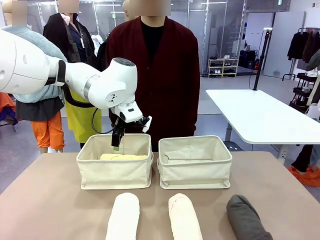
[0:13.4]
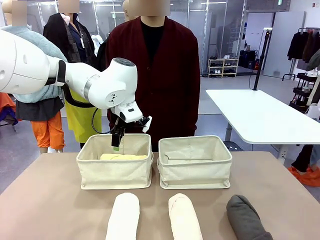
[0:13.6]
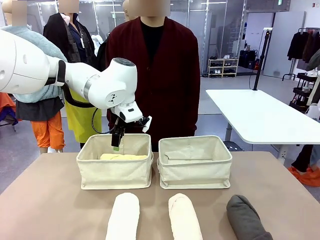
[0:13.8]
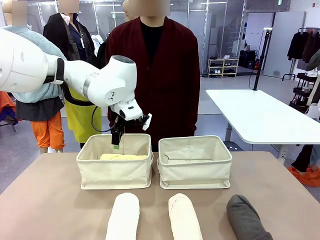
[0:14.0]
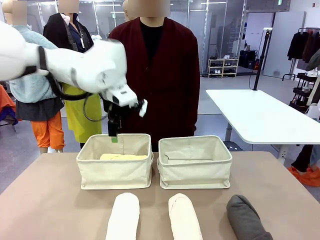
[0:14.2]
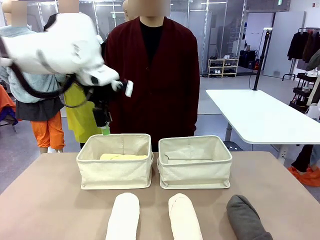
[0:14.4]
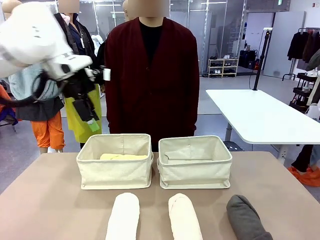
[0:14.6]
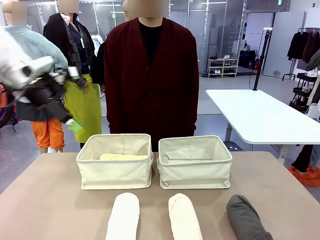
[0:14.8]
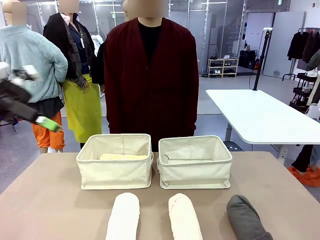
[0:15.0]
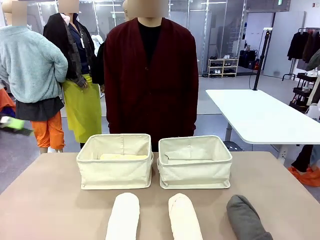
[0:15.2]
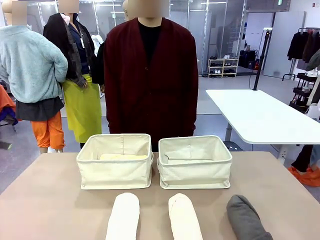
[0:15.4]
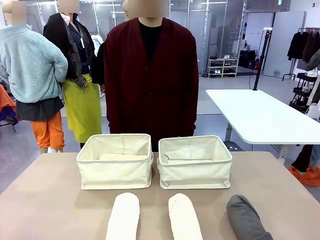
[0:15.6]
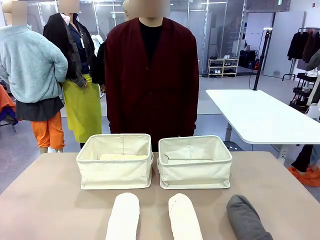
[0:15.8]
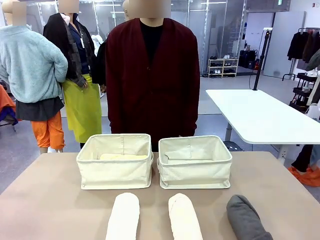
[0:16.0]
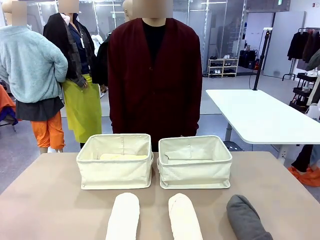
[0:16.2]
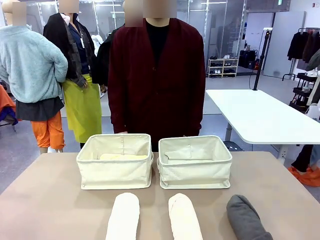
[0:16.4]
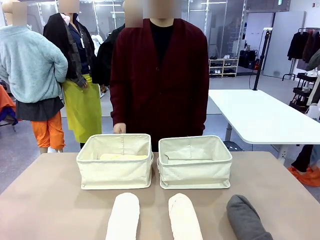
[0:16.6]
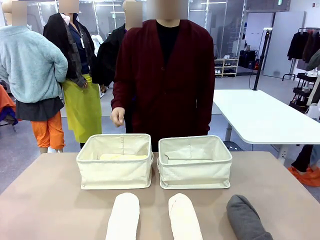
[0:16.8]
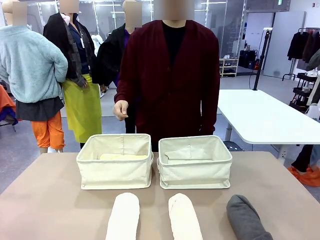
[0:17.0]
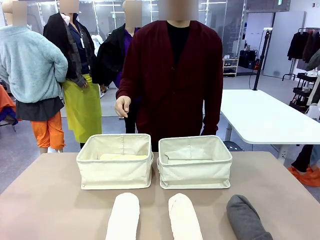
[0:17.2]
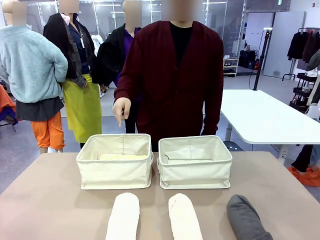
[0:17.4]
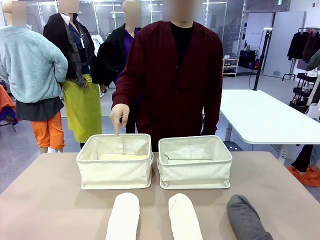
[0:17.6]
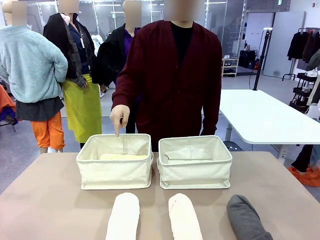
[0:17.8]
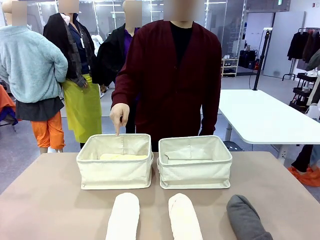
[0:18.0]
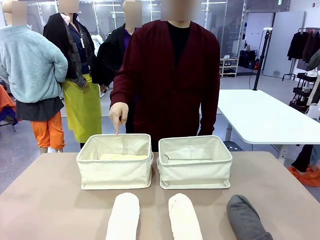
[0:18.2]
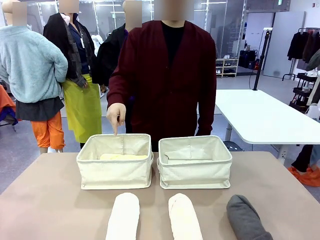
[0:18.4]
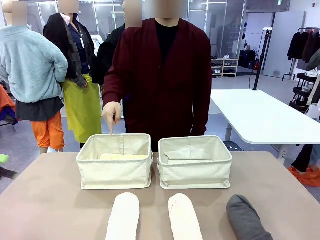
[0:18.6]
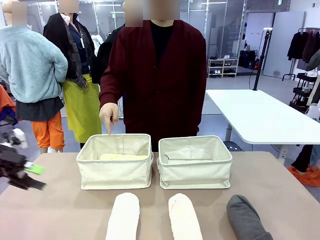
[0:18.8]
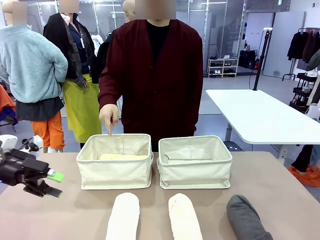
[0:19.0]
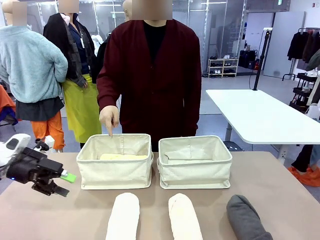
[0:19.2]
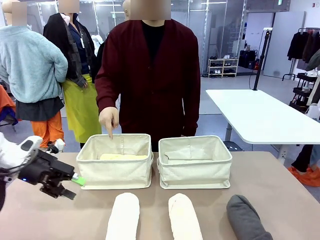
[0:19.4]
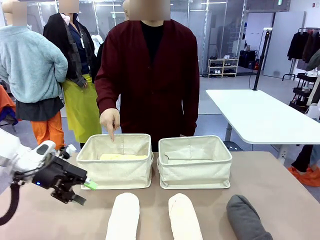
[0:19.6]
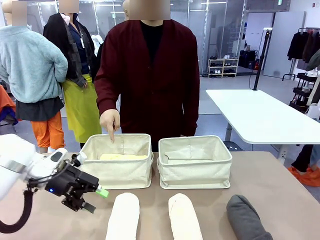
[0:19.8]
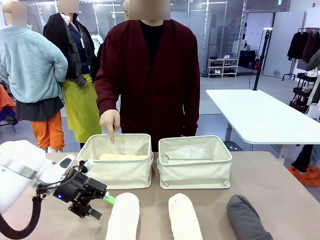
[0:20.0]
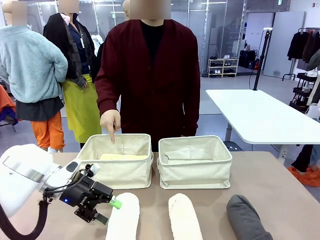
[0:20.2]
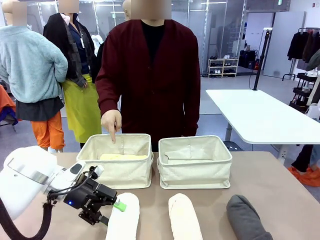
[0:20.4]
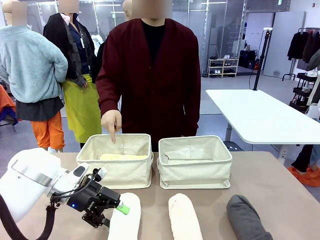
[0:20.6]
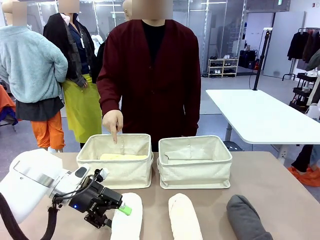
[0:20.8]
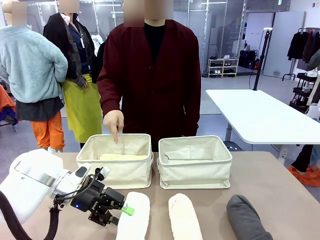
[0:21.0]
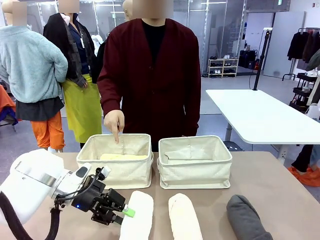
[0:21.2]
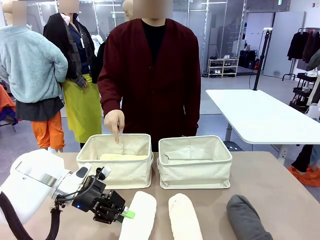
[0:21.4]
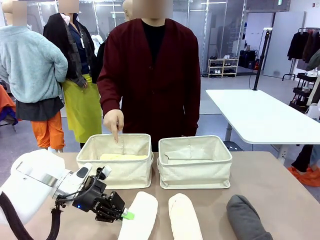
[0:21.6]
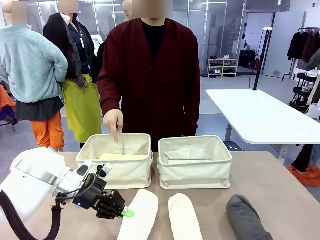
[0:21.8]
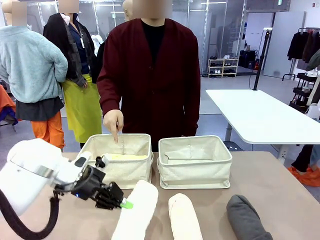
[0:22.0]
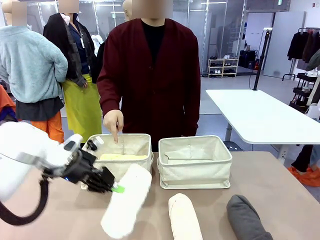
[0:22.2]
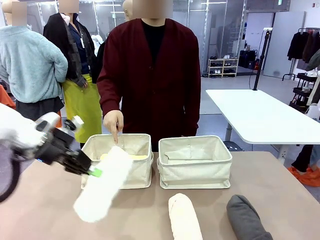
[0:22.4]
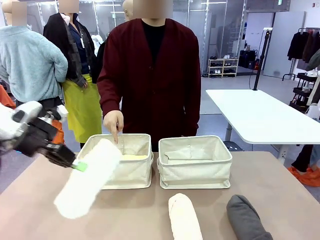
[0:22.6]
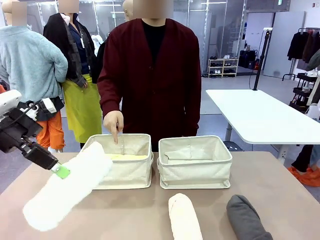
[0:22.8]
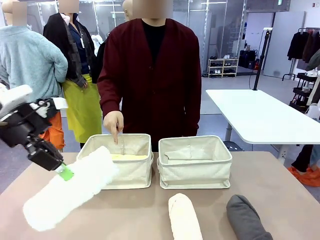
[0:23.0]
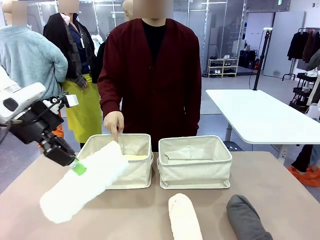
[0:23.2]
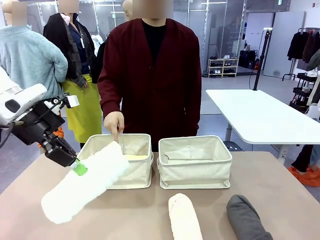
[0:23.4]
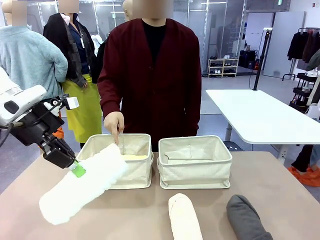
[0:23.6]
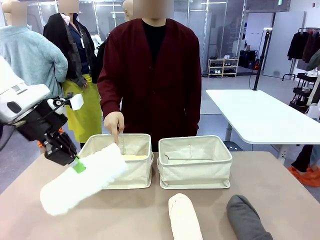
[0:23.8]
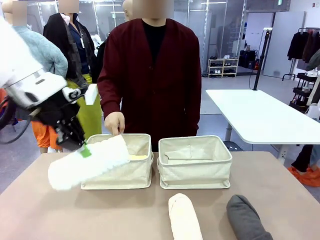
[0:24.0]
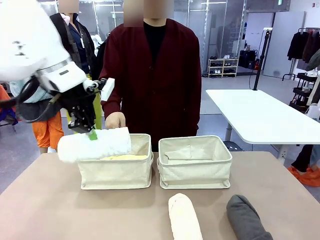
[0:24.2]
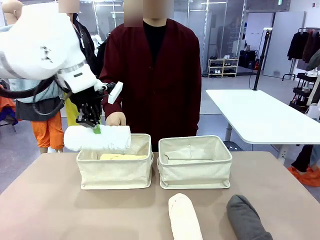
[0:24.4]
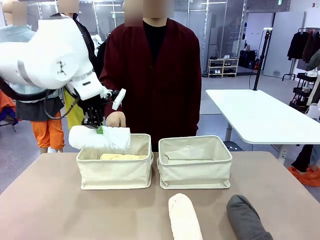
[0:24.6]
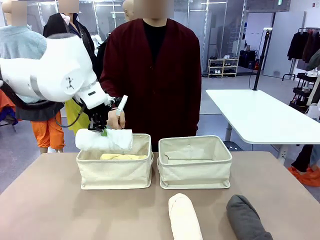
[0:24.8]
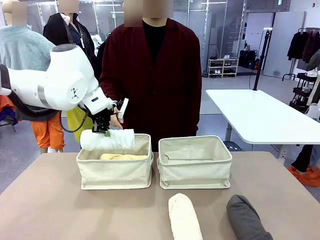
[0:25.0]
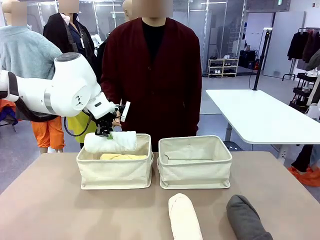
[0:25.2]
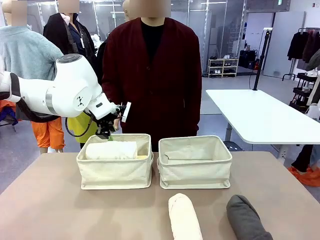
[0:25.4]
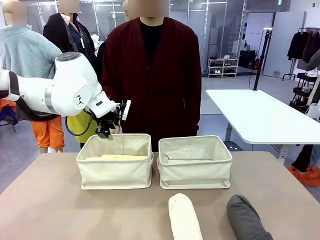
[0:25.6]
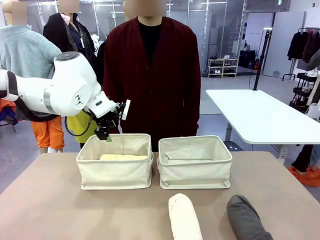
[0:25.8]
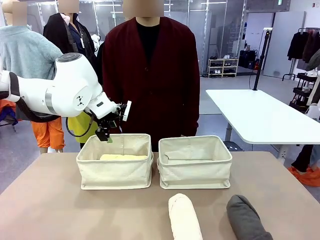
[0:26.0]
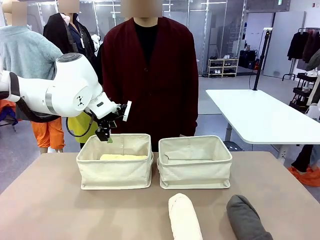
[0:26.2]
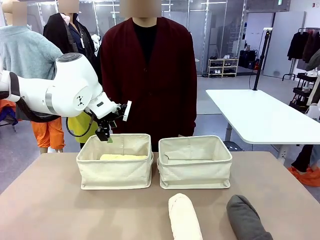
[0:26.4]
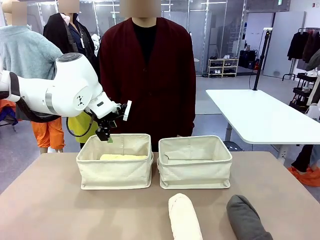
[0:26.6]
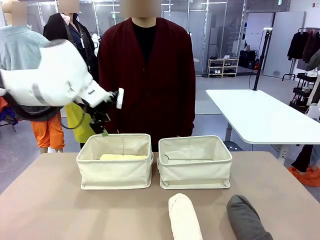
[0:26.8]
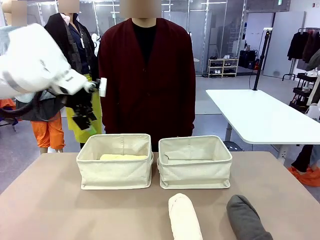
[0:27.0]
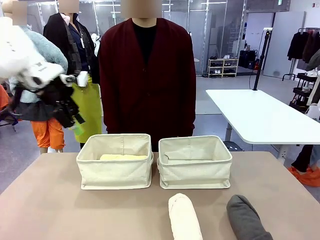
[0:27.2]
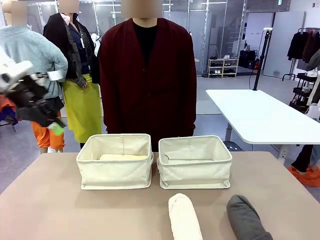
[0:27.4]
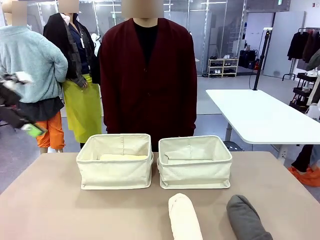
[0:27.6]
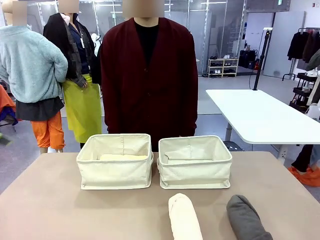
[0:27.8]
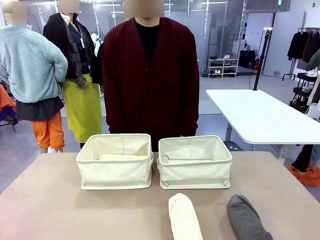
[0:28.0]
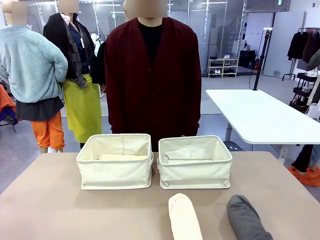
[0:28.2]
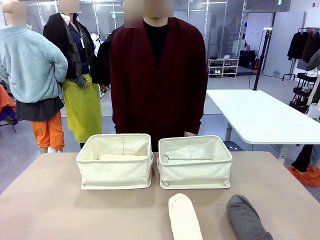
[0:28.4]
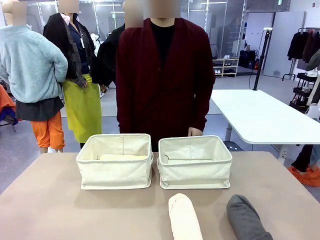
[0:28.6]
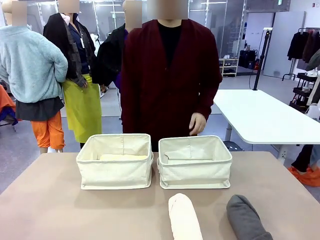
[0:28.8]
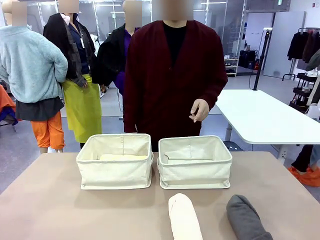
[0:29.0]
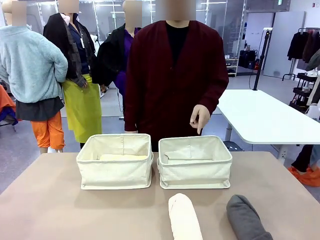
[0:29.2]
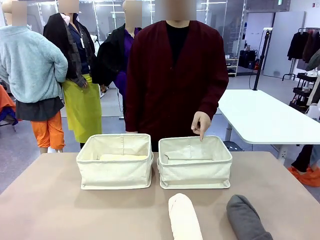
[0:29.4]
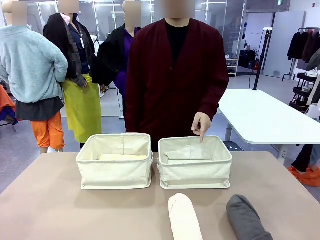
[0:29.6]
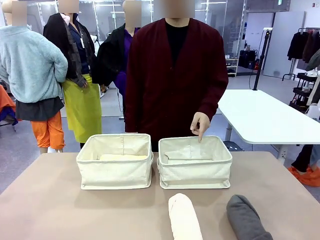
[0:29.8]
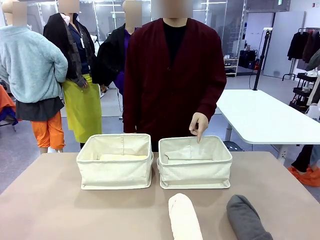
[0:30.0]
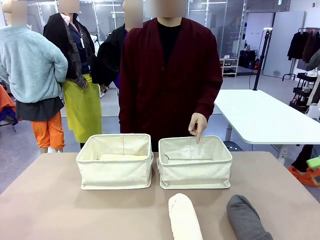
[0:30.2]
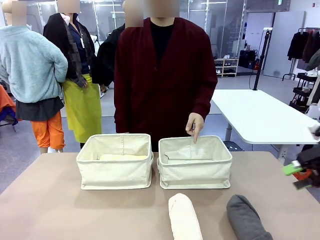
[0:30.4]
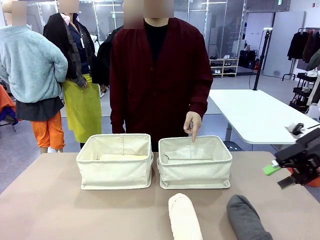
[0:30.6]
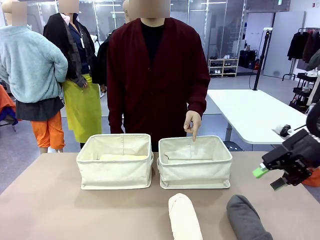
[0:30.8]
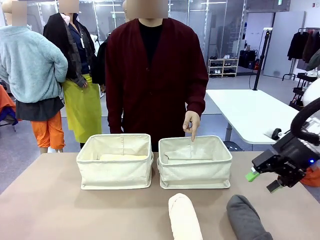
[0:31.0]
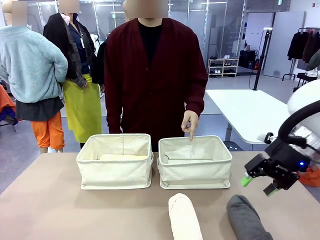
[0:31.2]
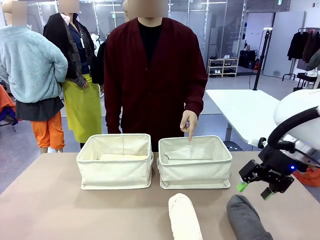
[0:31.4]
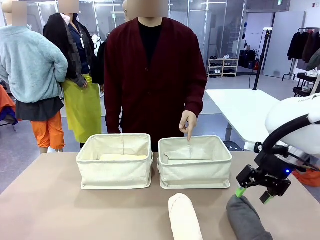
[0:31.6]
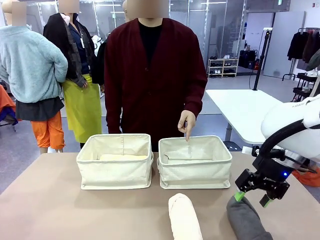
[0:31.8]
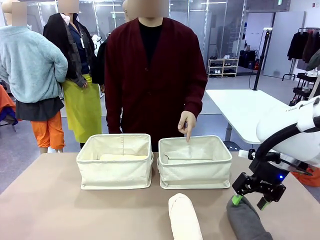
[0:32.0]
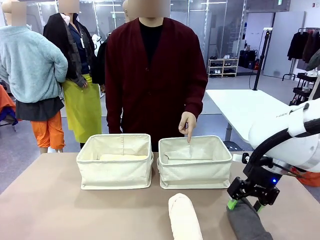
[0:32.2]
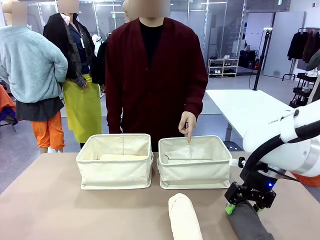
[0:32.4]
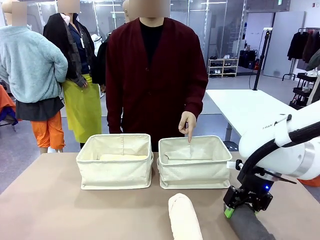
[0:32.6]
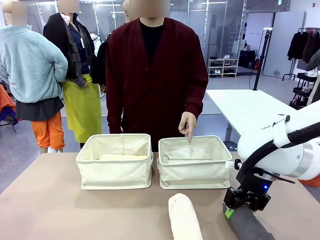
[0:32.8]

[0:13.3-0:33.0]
Task: Divide the towels into two baskets.
Robot: Pick up one hotel-folded towel from the bottom of the table and place it in the Fabric basket indicated by the person.
